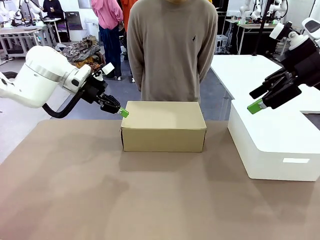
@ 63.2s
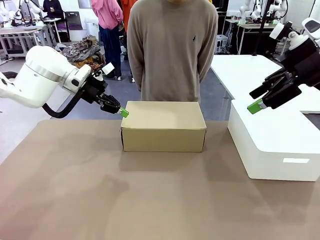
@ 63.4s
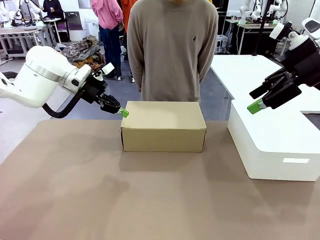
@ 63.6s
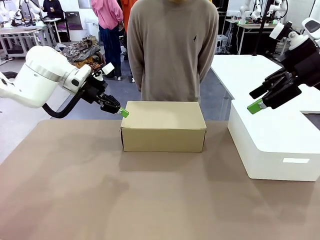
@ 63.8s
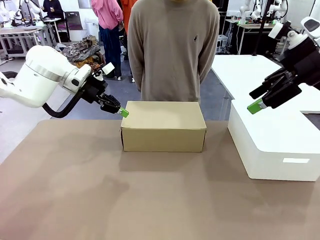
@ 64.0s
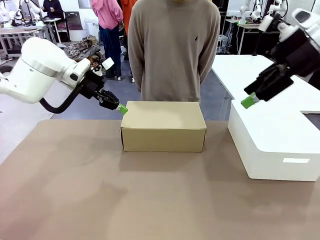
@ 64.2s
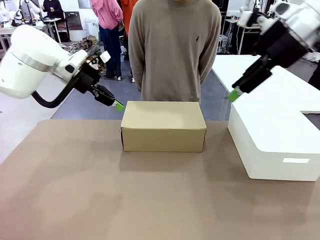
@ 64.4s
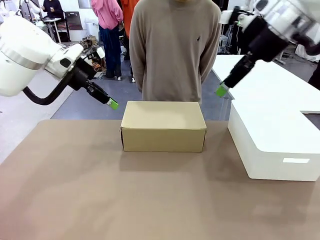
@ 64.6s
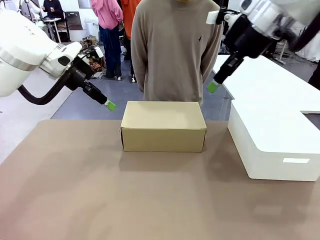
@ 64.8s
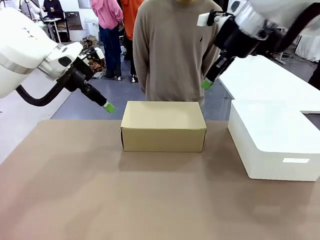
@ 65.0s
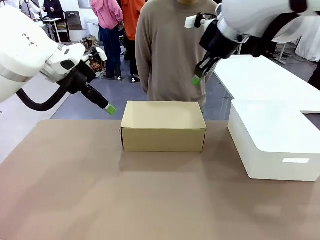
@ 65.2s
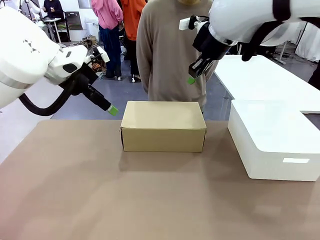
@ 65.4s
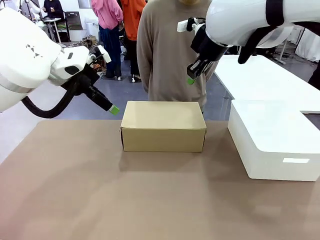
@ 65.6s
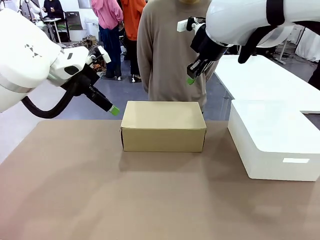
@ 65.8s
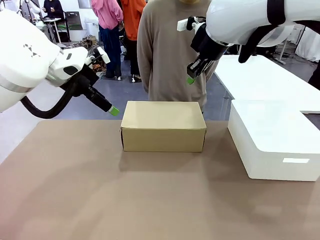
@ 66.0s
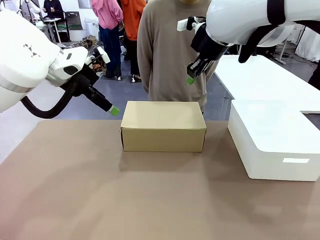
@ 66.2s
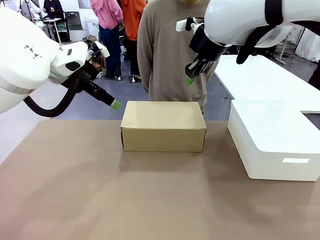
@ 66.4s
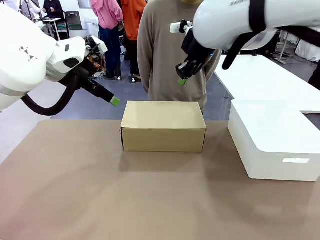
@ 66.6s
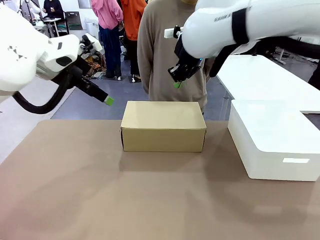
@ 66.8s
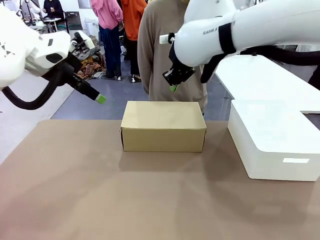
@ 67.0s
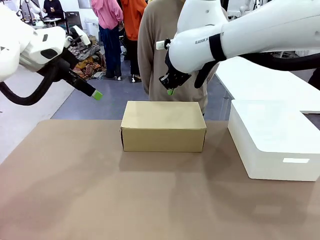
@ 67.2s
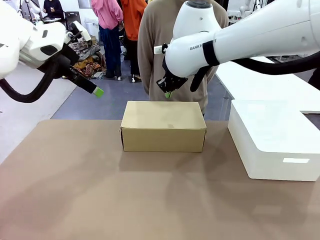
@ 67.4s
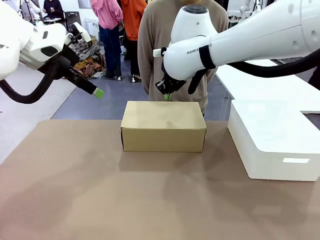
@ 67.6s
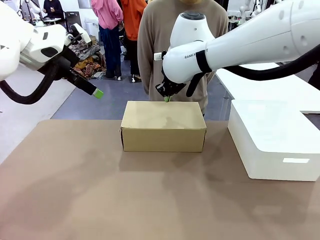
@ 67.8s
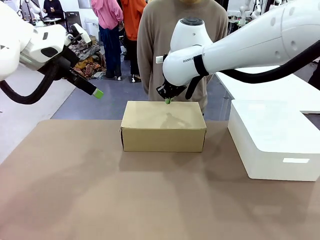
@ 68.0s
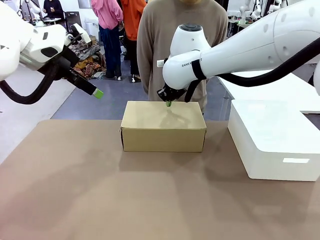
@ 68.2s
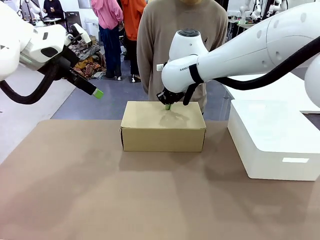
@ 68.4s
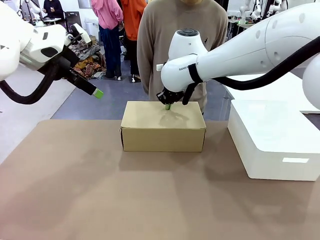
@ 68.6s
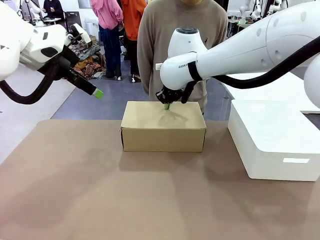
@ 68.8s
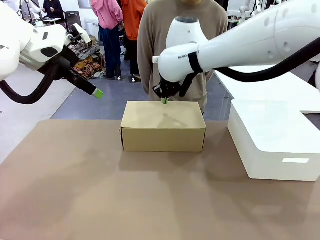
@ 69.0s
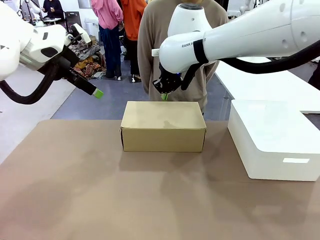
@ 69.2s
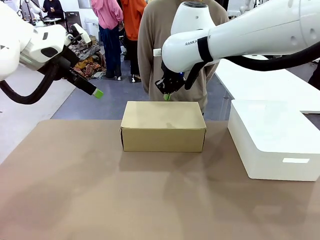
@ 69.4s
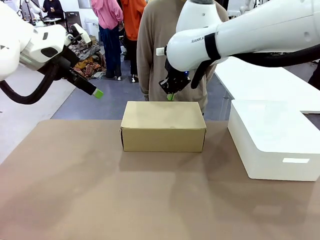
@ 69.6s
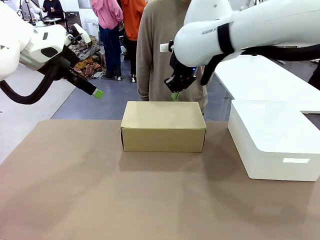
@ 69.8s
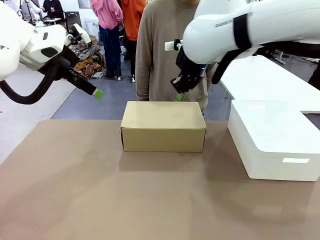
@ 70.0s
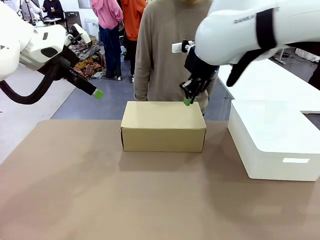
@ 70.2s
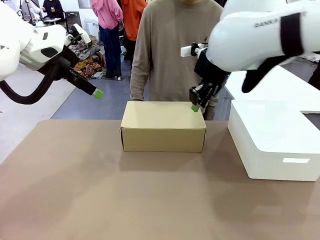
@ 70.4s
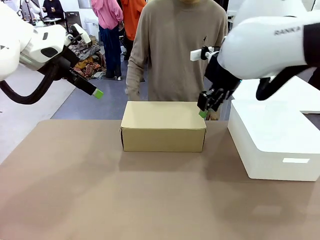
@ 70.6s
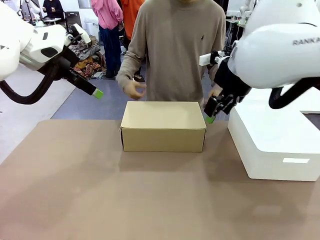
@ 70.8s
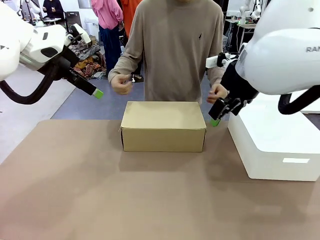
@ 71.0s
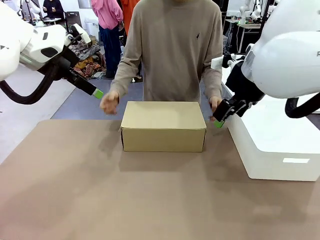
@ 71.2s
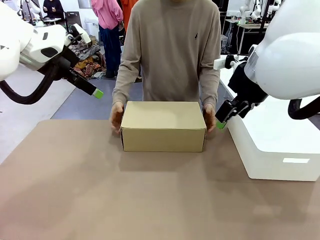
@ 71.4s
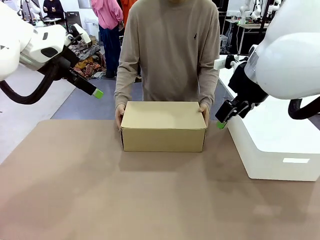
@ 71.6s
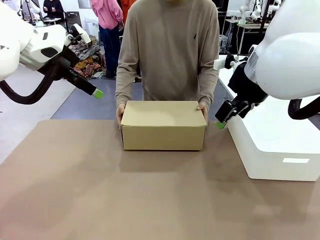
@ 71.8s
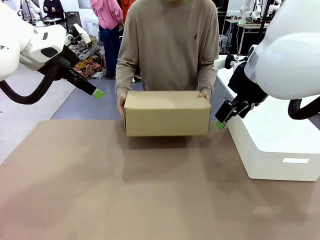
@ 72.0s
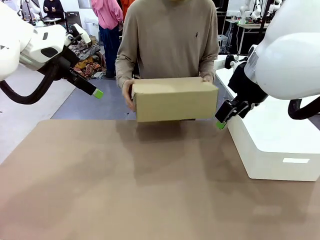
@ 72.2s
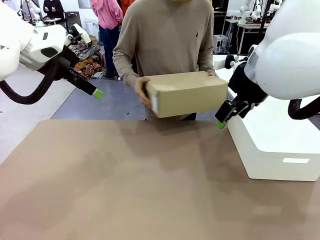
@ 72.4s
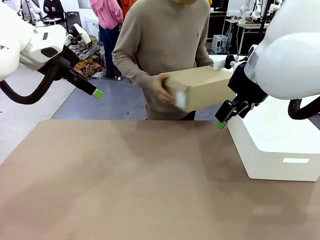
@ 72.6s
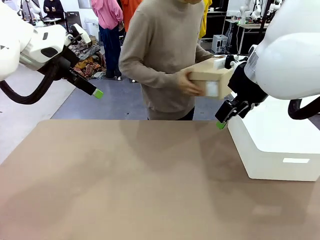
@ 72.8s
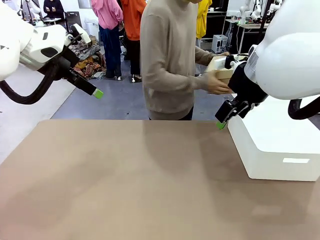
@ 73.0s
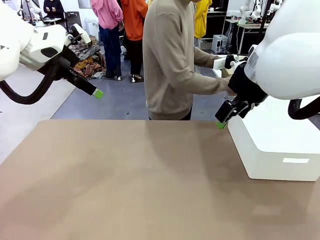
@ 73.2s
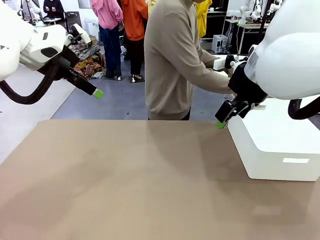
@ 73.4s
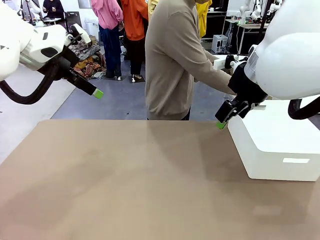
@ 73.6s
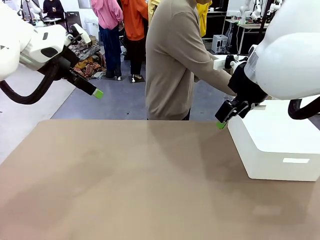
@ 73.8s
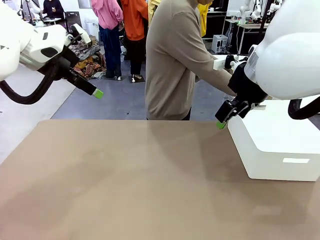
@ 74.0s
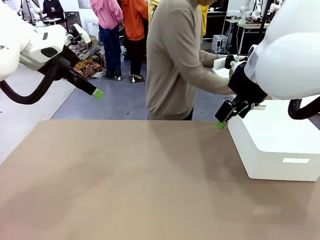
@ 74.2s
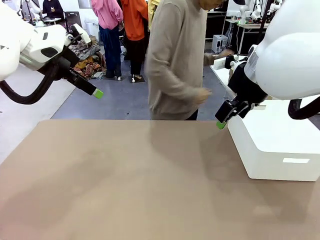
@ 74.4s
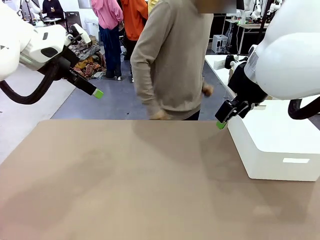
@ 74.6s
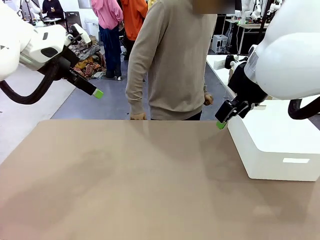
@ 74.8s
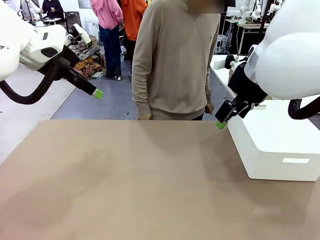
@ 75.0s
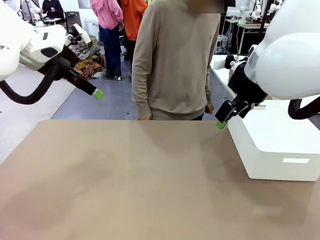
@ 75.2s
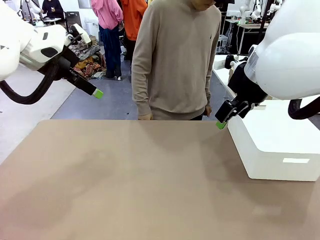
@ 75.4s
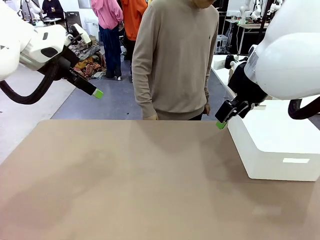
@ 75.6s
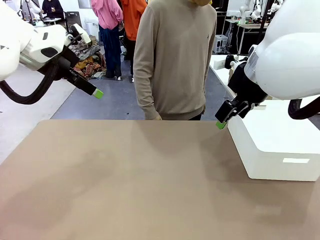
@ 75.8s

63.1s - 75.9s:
Task: Pack the shoes into the box.
Robot: Press down on the lid of the Shoes Box.
Person: Place the closed Shoes Box to the right side of the human table.

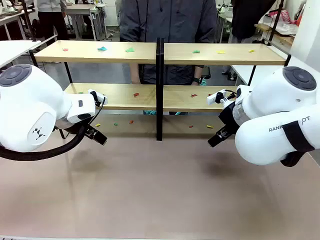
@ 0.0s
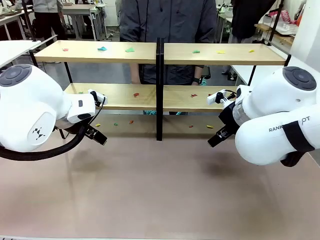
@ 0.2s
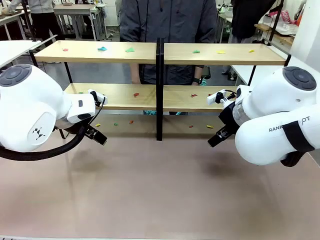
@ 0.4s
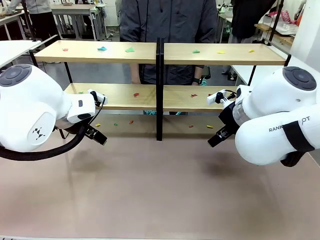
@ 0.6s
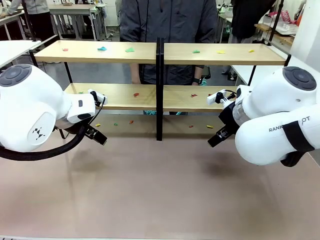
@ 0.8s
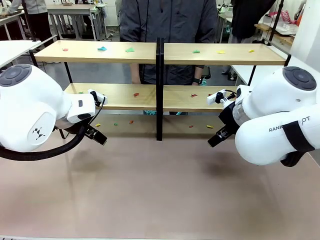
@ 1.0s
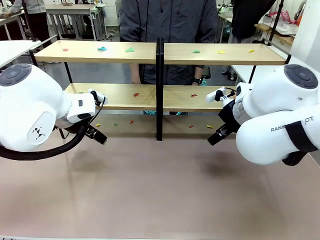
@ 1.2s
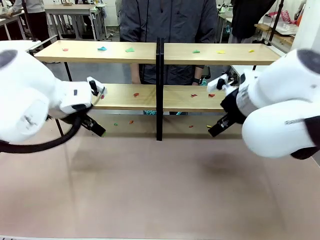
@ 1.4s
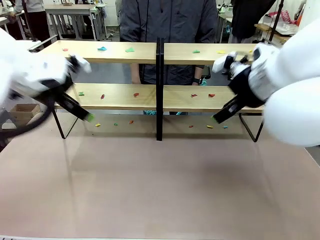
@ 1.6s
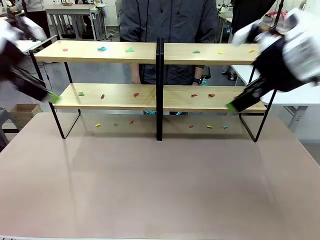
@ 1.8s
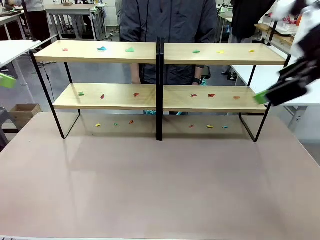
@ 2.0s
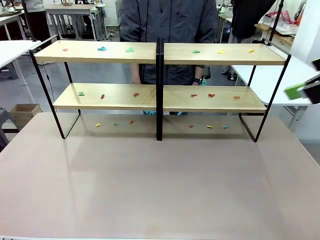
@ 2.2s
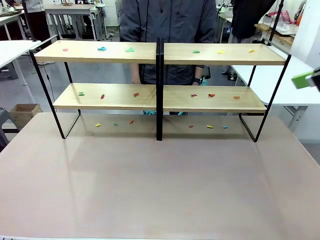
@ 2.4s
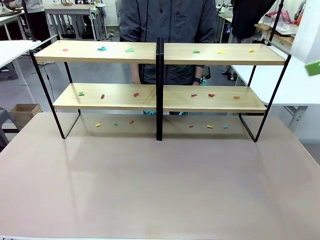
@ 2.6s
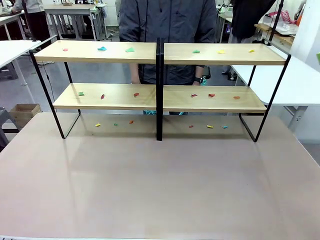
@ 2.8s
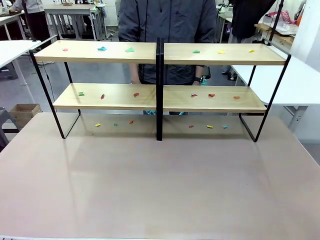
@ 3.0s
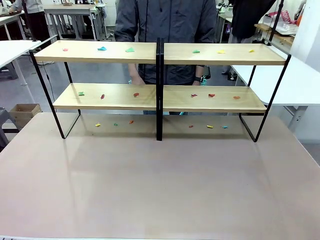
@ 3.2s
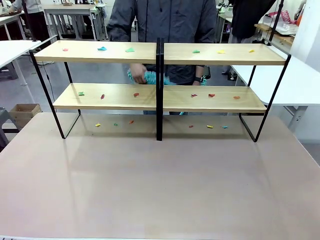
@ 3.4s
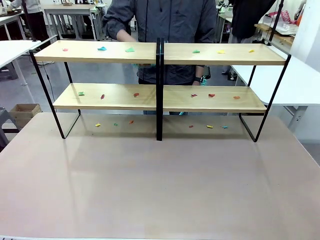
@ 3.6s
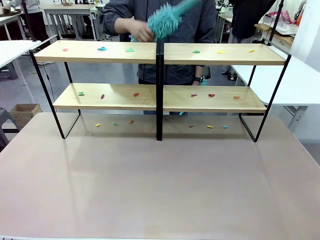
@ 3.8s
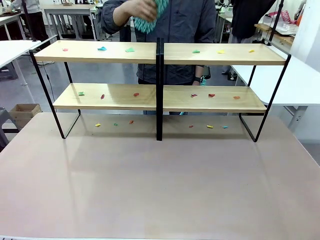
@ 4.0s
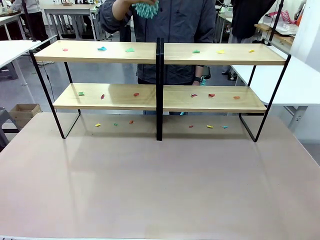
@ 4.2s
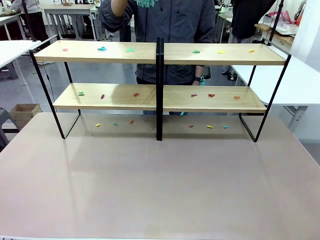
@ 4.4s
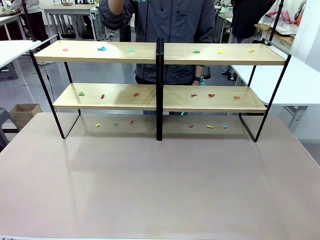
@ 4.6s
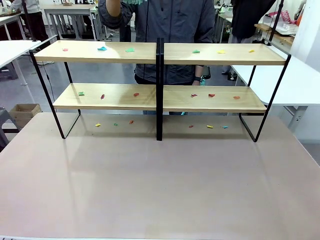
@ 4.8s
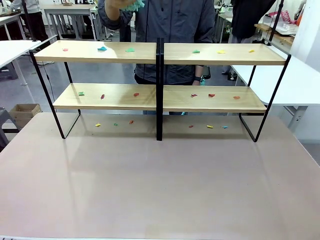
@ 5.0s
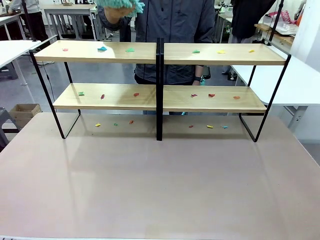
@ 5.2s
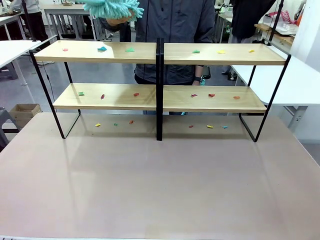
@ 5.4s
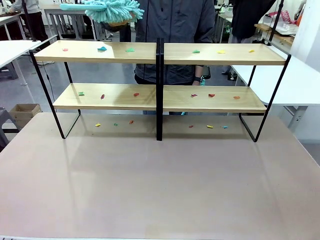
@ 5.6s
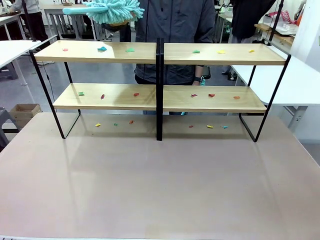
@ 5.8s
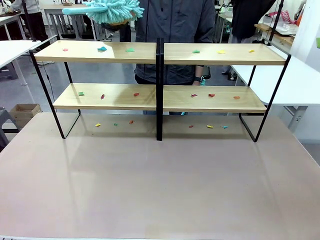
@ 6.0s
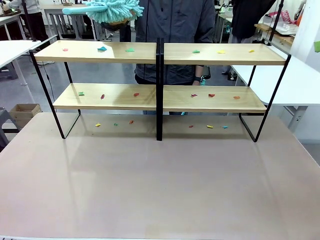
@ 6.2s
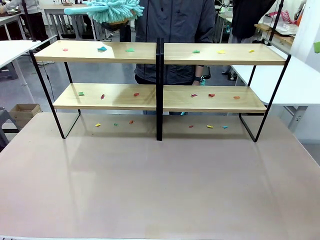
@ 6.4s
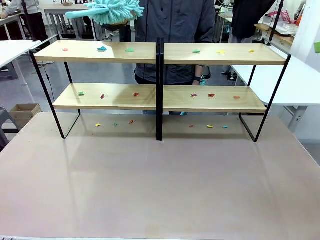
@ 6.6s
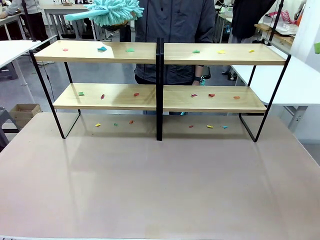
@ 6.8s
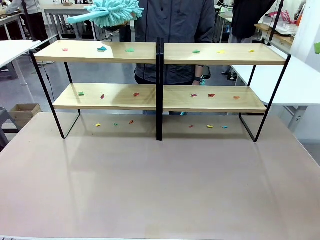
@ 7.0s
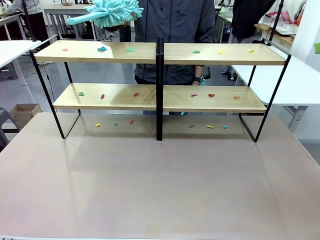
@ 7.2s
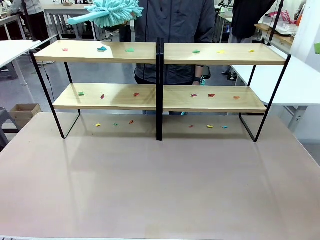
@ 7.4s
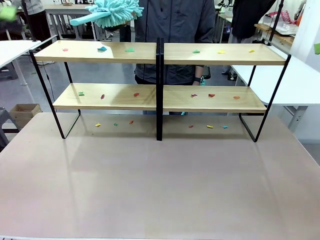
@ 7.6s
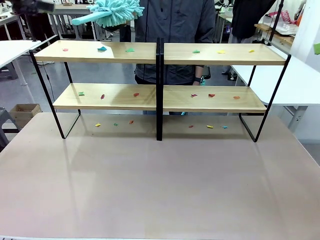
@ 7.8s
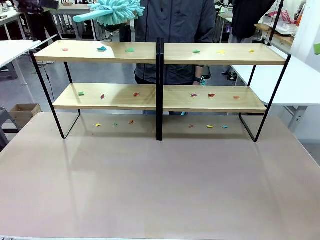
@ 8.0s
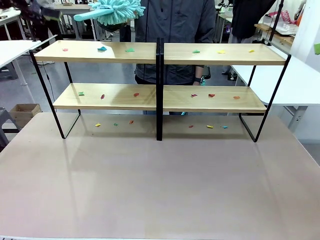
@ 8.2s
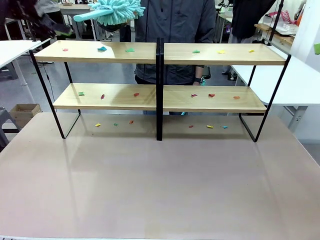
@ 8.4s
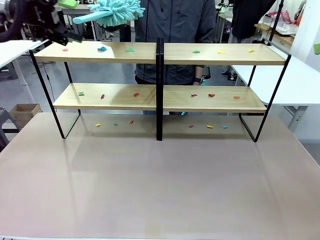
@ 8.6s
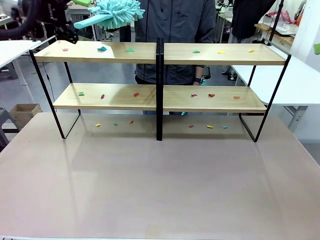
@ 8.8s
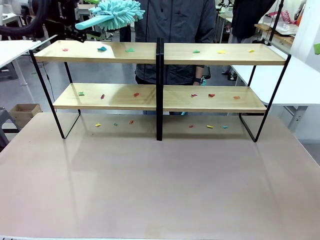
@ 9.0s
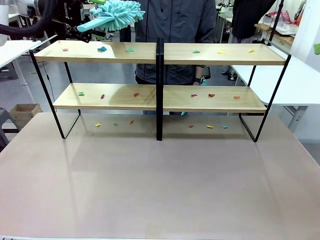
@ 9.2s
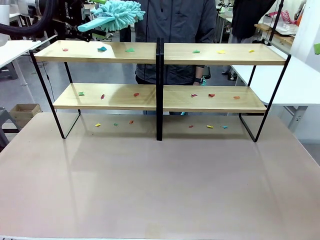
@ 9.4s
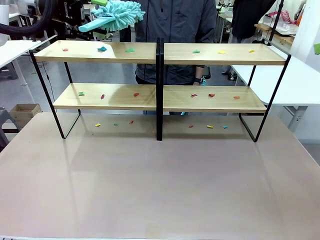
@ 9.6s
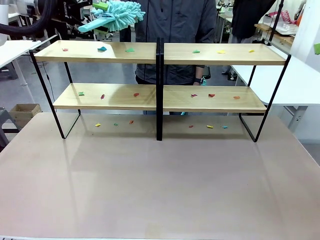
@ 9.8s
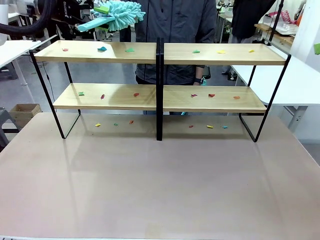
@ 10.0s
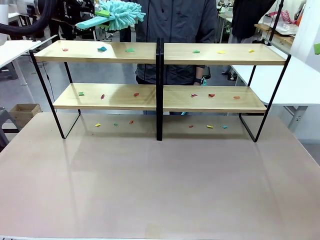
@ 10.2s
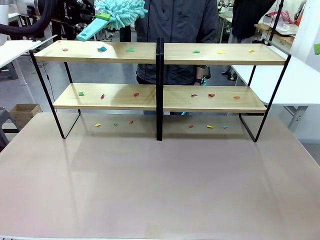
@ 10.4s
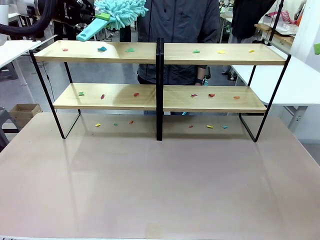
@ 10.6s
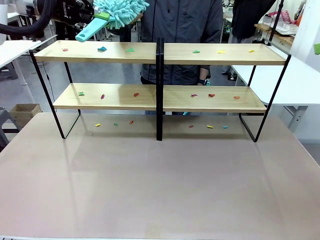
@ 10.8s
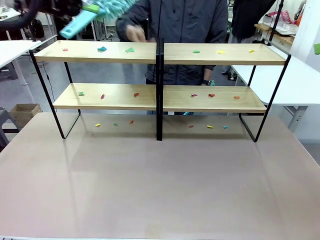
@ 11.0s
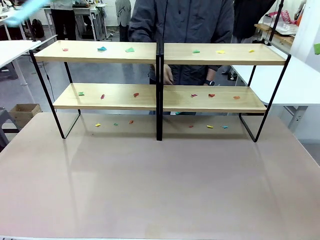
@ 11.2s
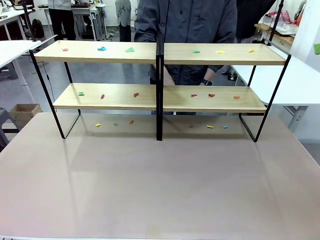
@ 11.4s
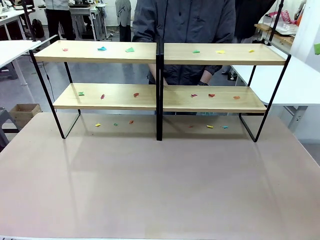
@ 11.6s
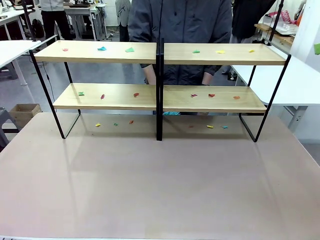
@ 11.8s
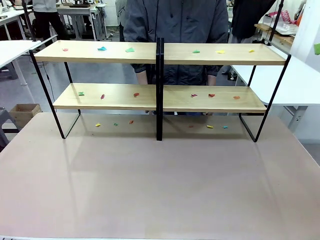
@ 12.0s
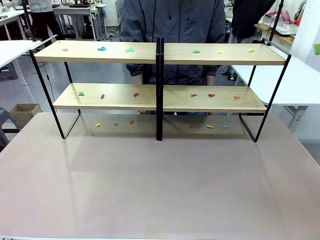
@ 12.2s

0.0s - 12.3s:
Task: Clean the shelves.
Robot: Pick up the Duster when the human hands it over.
Person: Hand the Duster to the robot with your right (or left) hand.
